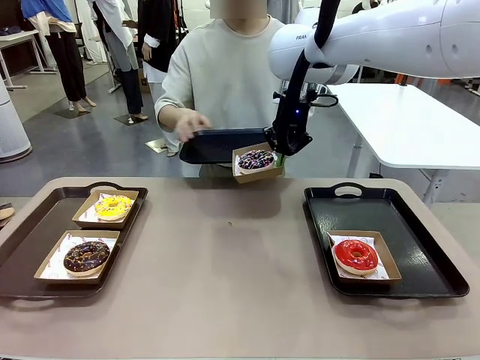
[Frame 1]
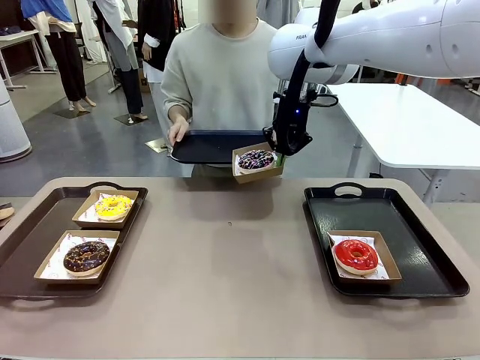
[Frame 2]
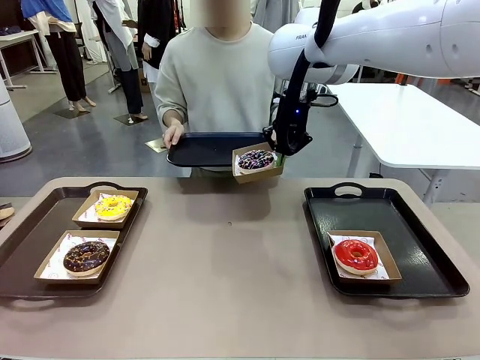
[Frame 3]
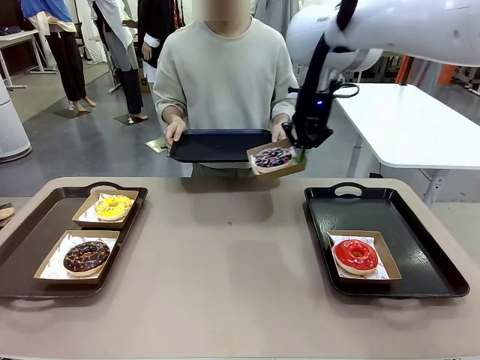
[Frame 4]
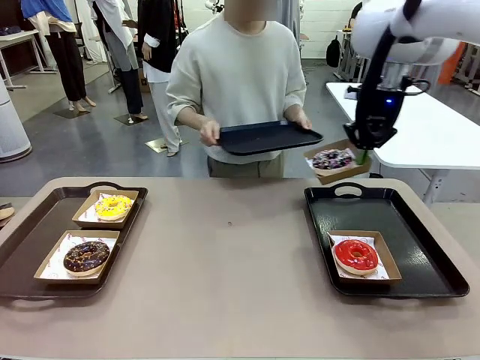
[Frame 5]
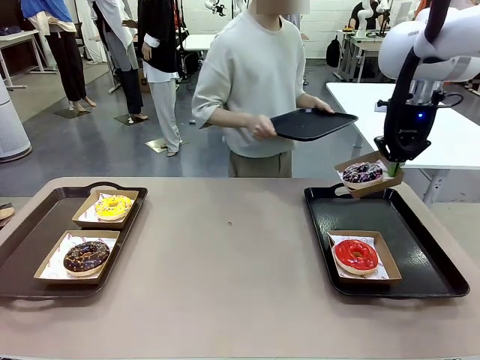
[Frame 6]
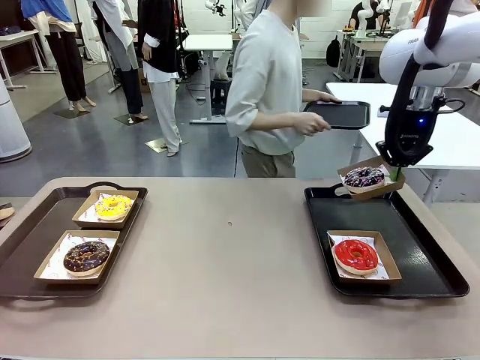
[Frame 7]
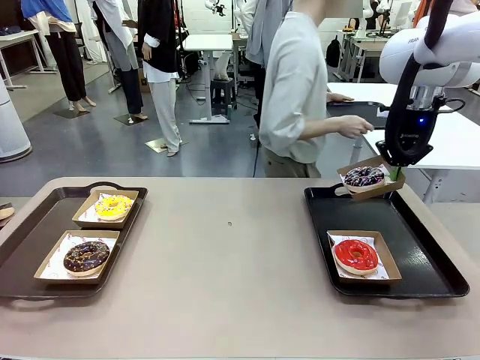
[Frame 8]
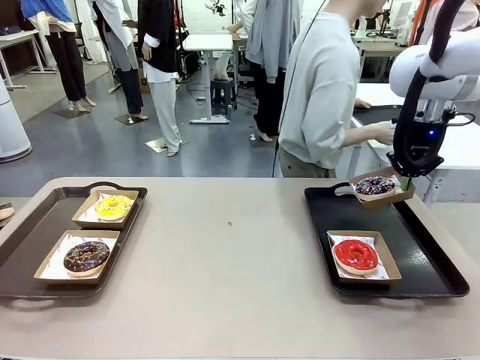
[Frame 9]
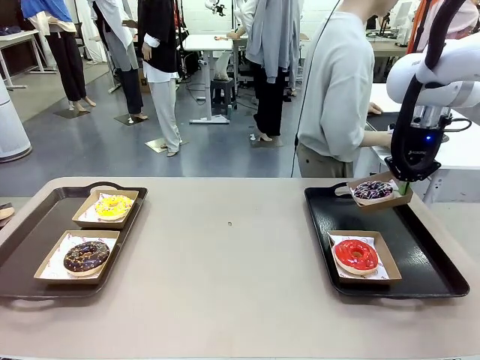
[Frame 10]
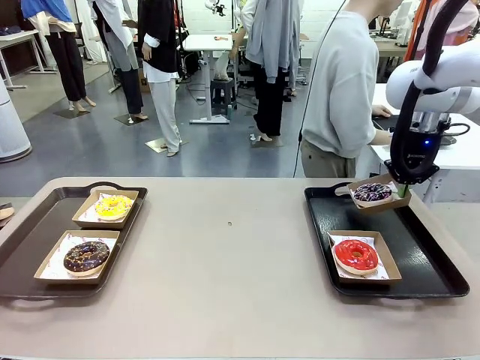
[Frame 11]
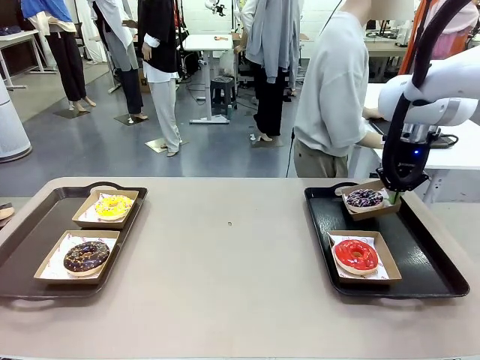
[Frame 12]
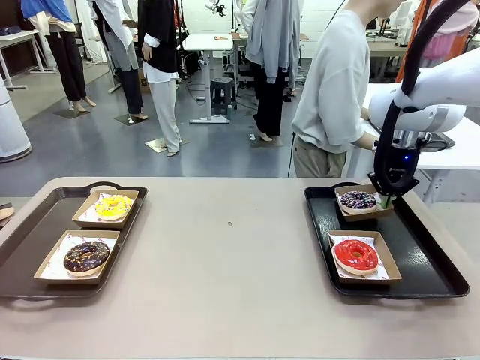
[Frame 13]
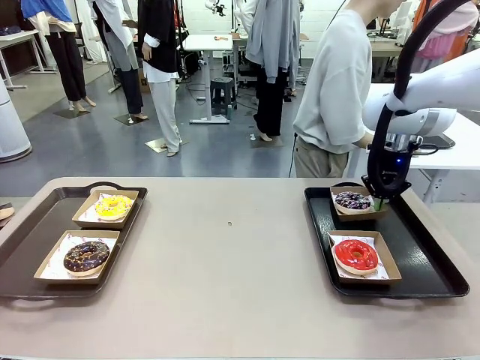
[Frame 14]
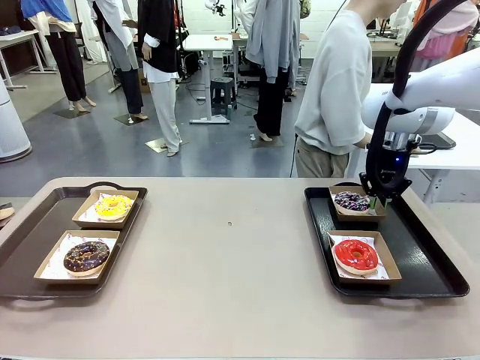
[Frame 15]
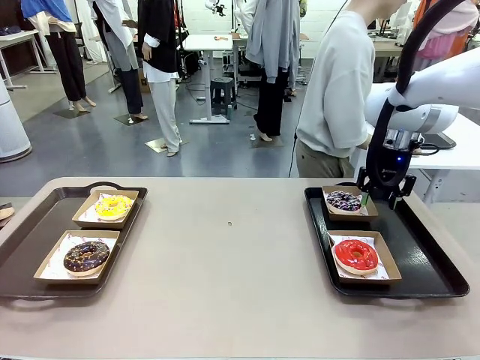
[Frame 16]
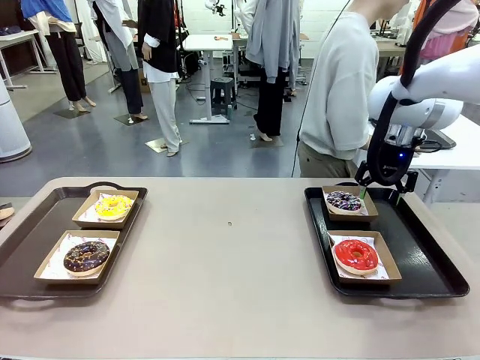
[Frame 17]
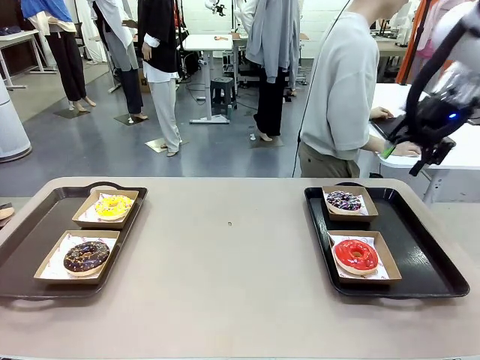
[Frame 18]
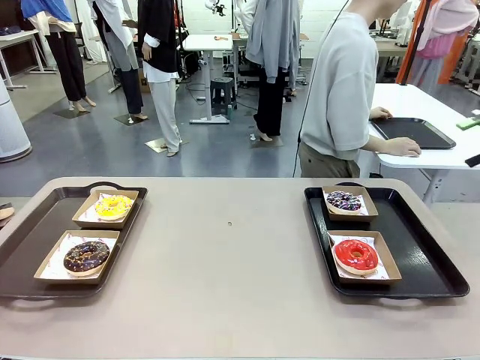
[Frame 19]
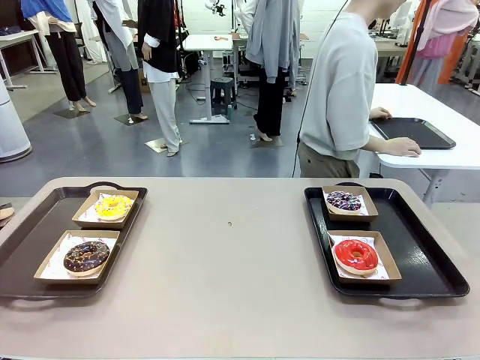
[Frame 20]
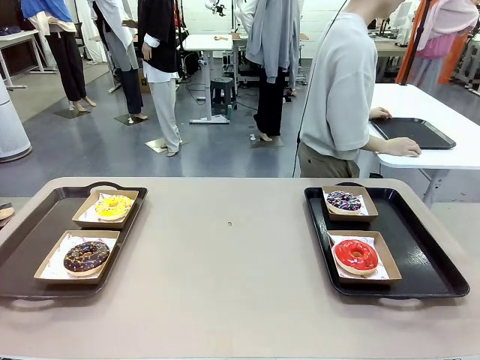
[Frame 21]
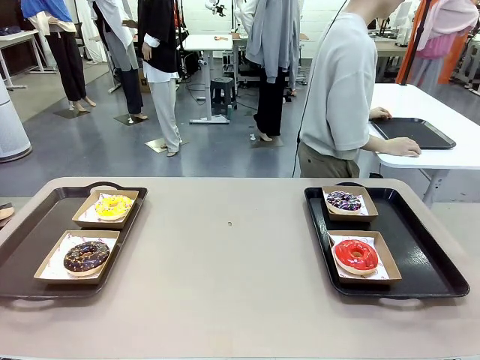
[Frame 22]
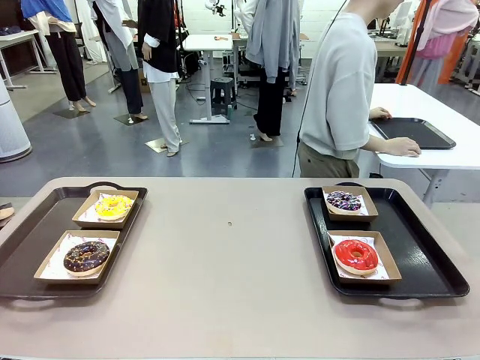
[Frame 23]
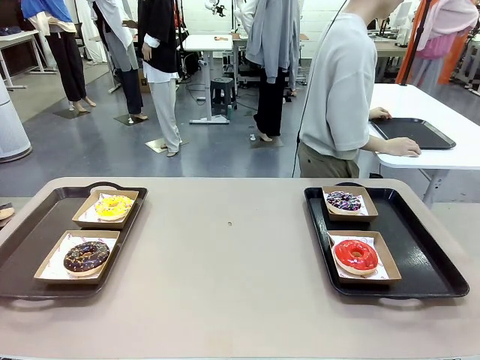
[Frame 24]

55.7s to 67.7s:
Task: Individually package the donuts and arrange them on the tray.
Robot: Place the picked Paper togo box on the Handle tray.
Person: Place the tray down in the middle of the human table.

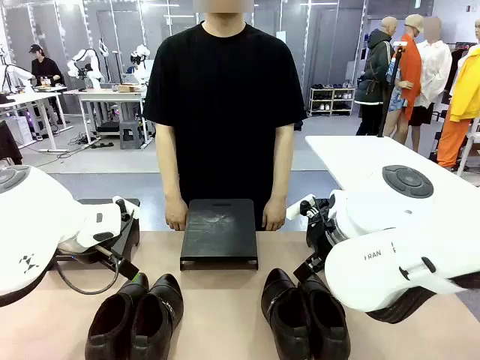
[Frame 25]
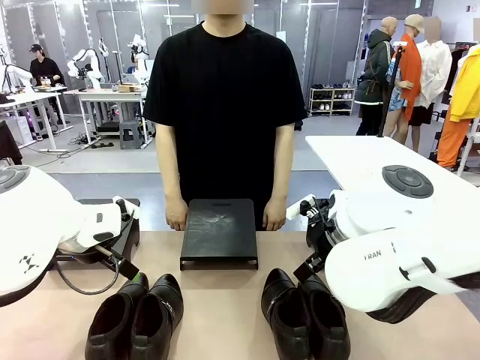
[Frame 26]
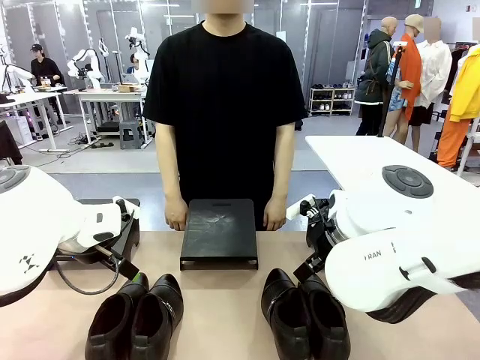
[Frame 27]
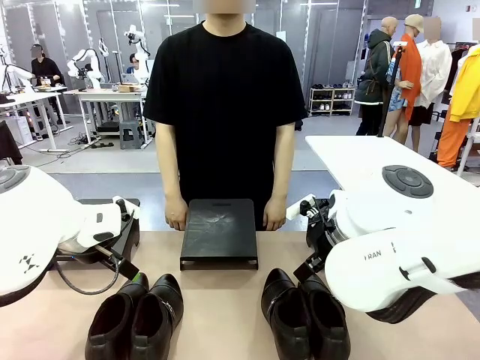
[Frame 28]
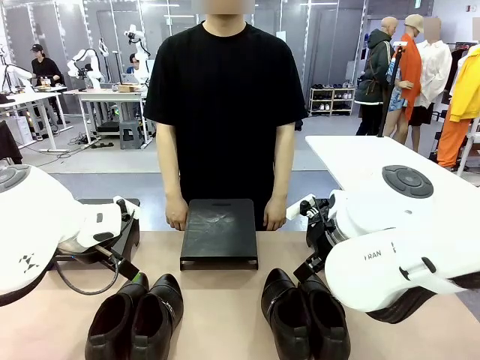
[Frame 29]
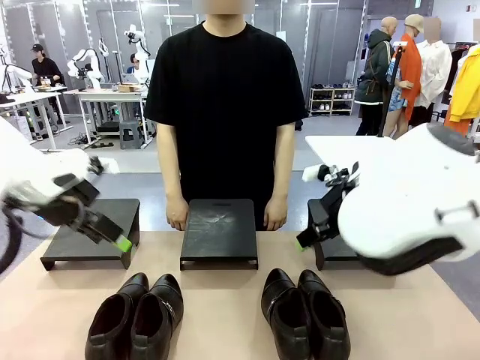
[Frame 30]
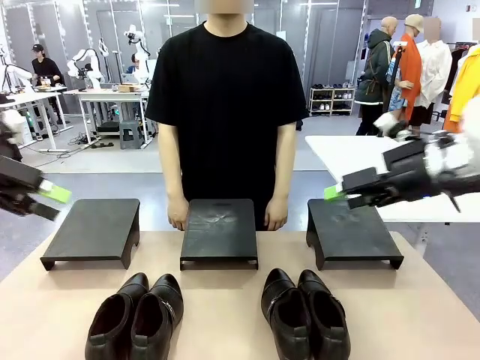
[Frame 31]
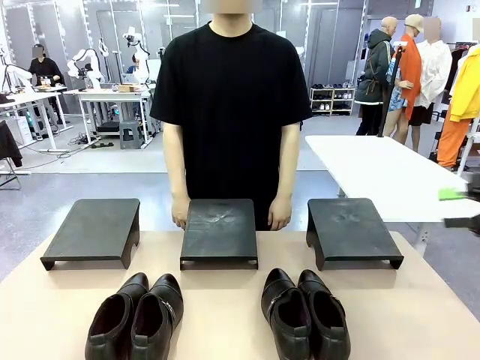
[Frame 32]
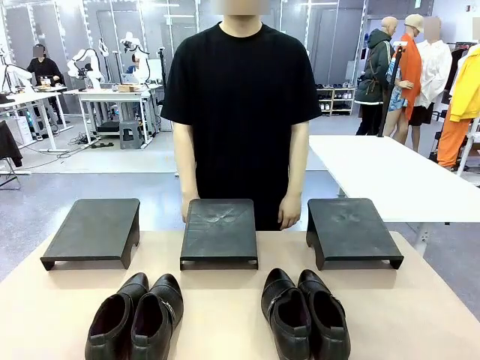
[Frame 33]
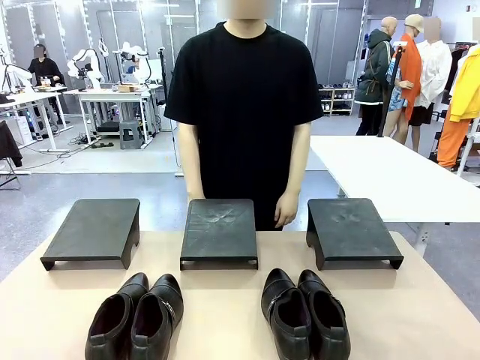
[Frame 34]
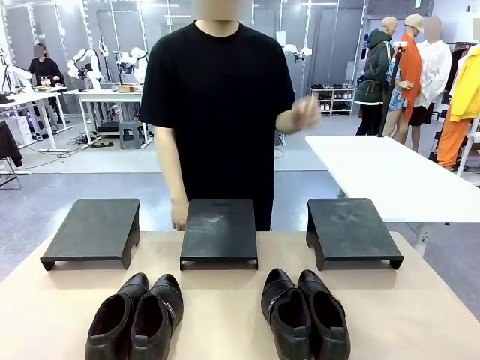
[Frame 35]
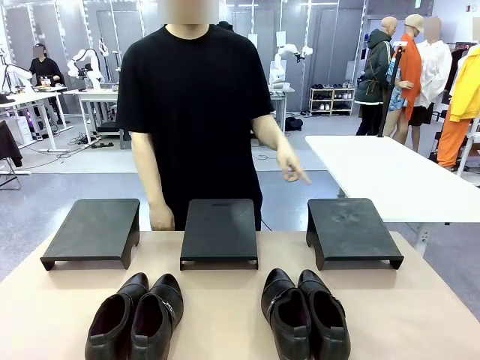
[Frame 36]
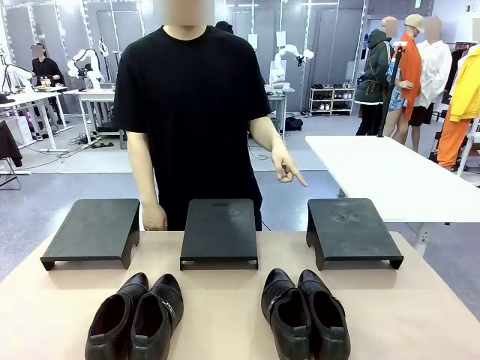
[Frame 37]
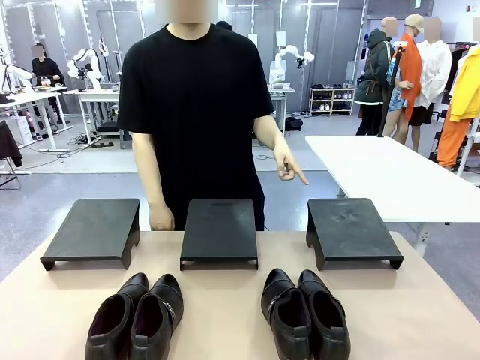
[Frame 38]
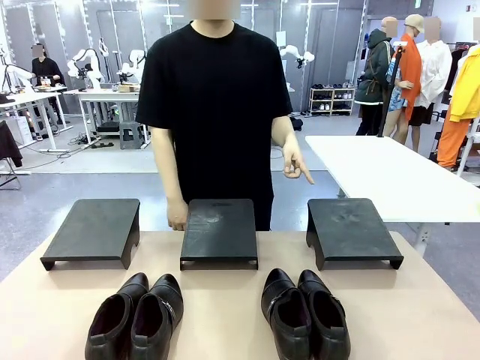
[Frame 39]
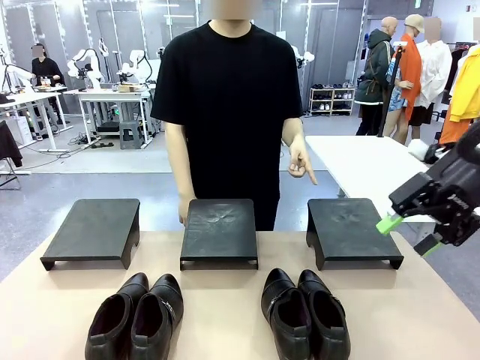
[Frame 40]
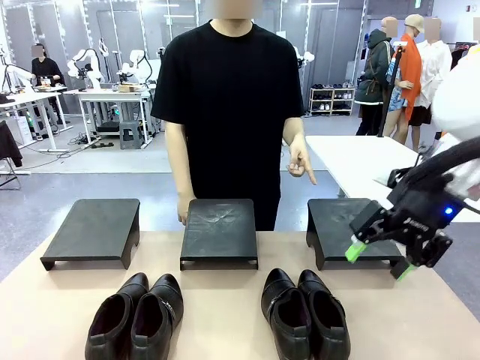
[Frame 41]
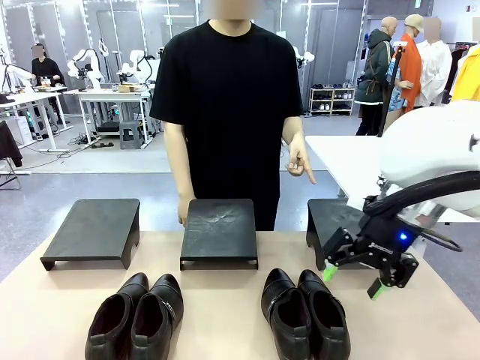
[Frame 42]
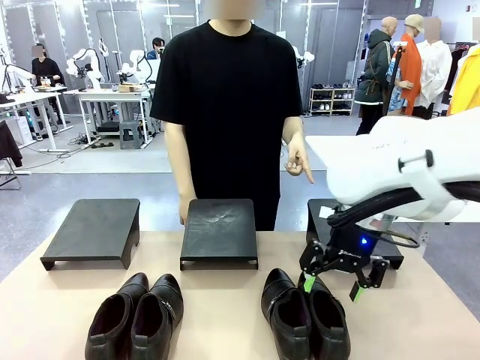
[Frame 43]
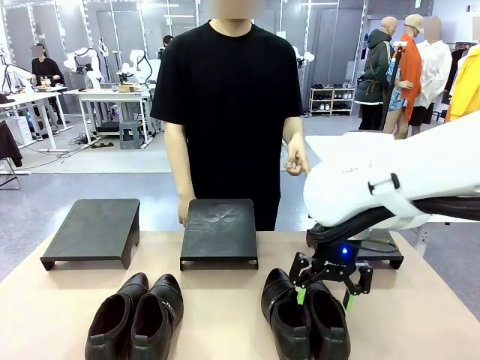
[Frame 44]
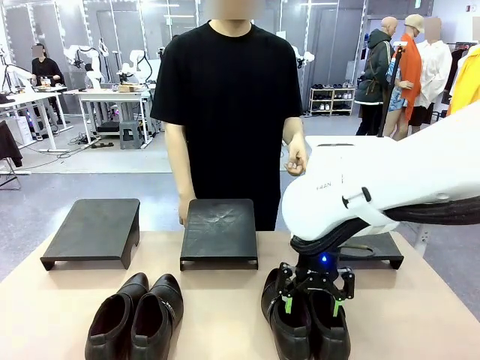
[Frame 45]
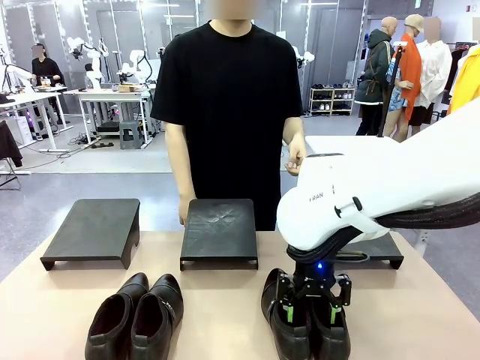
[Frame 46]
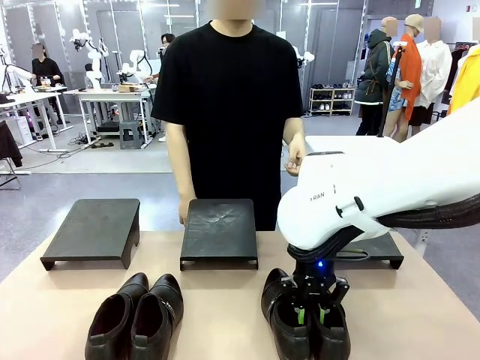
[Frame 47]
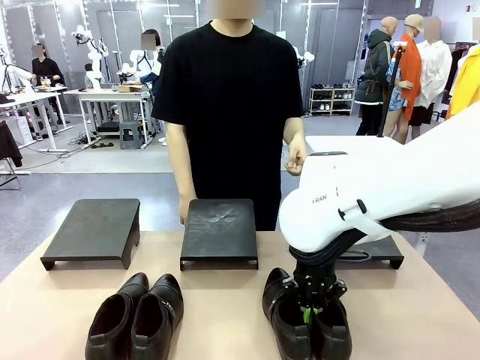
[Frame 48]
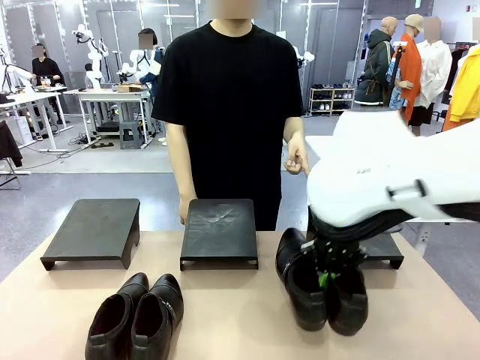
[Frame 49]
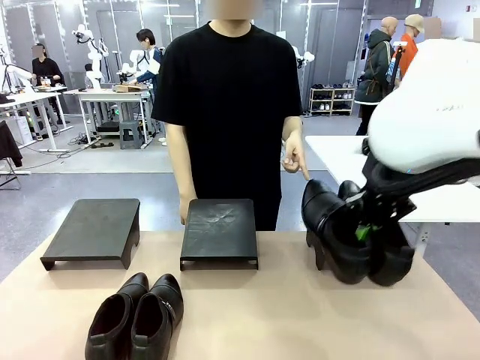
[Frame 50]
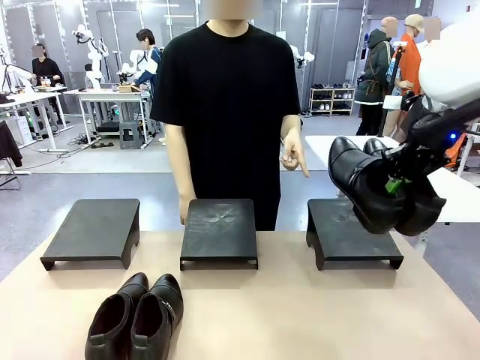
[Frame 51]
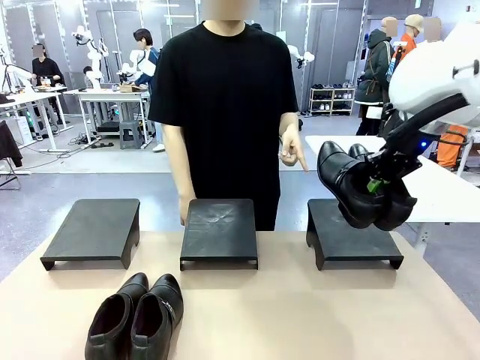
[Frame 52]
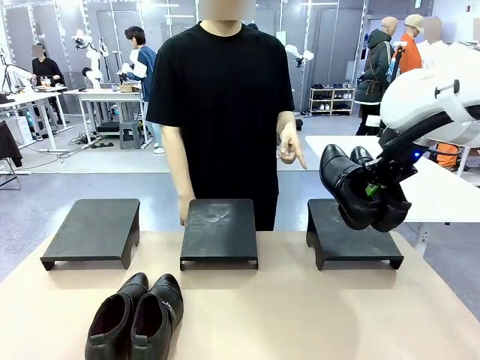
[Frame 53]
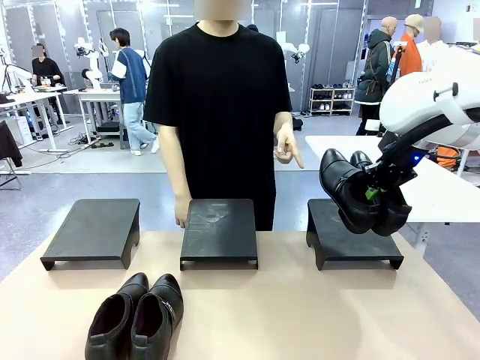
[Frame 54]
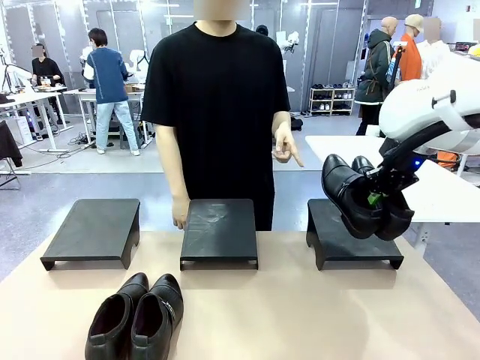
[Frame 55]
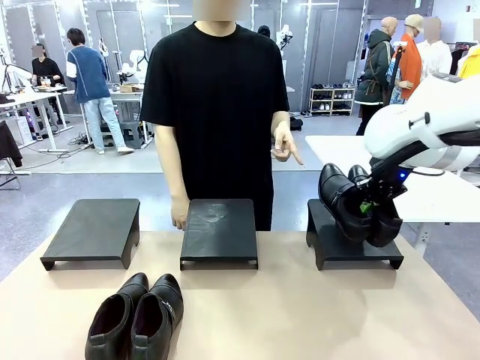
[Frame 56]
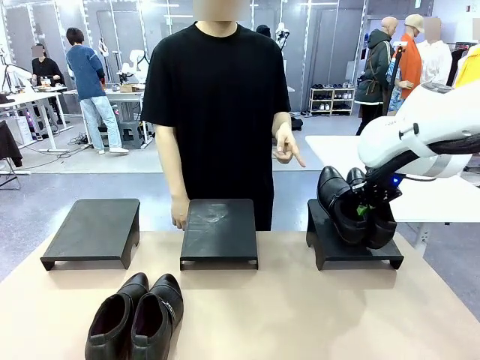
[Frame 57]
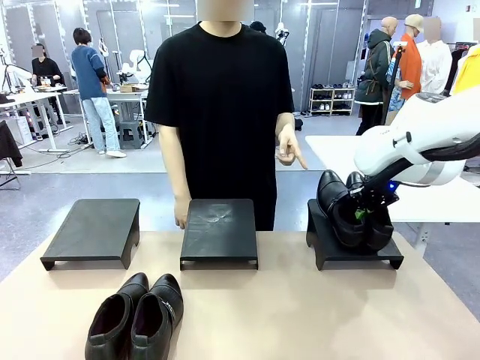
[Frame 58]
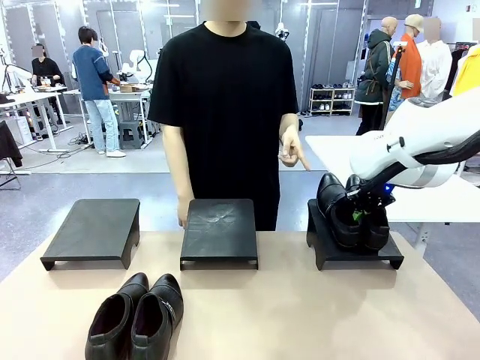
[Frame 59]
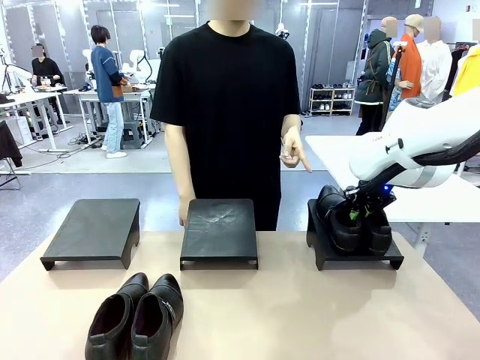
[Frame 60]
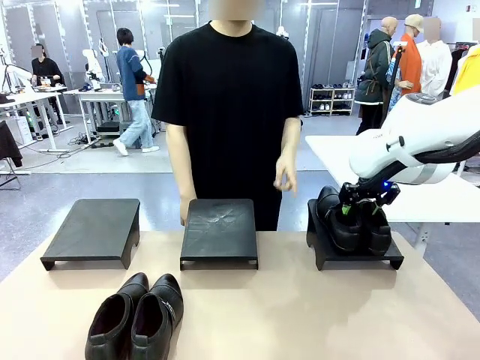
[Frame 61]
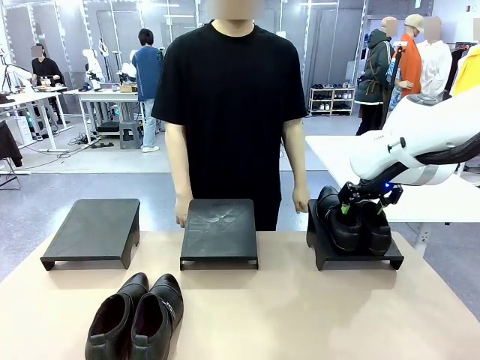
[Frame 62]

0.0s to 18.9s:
Task: Place the shoes on the stand as instructed by the person.
Robot: Pick up one pair of Shoes and place it on the Shoes Stand indicated by the person.
